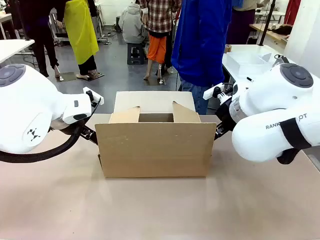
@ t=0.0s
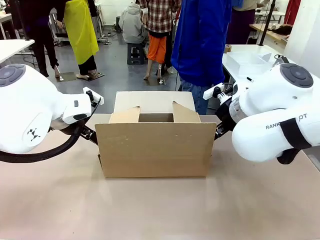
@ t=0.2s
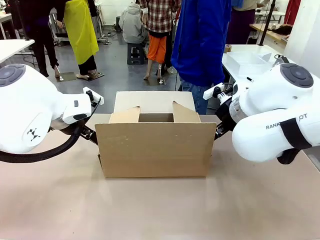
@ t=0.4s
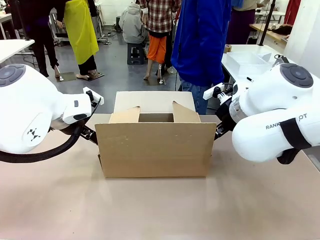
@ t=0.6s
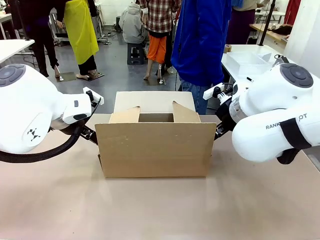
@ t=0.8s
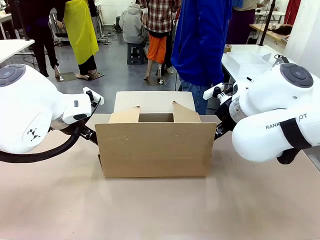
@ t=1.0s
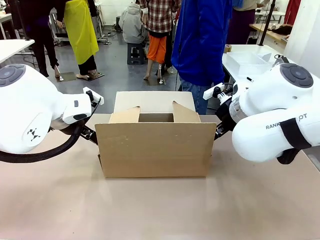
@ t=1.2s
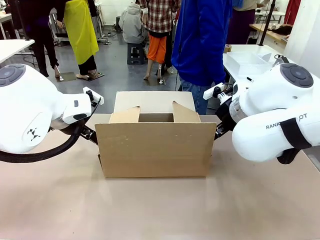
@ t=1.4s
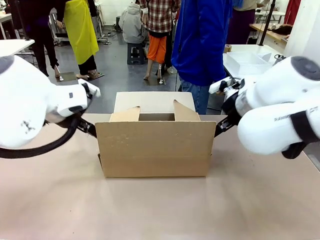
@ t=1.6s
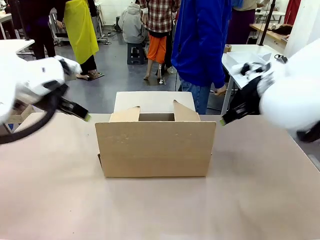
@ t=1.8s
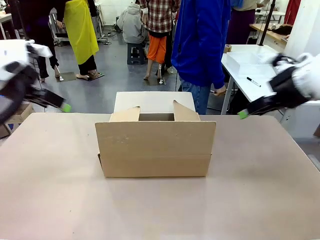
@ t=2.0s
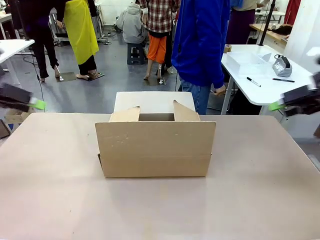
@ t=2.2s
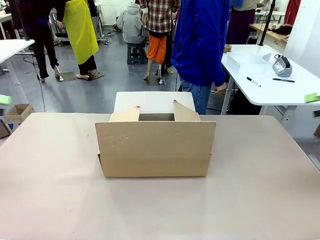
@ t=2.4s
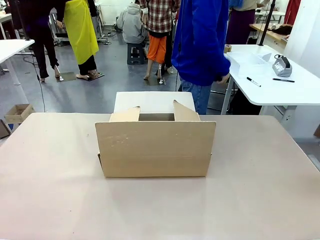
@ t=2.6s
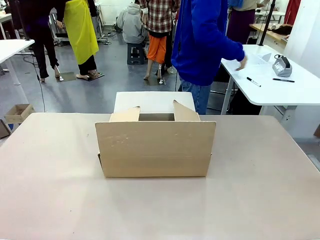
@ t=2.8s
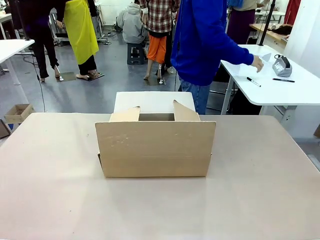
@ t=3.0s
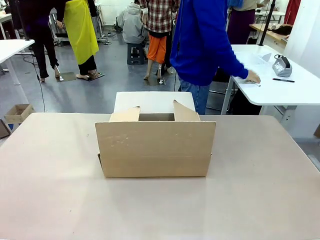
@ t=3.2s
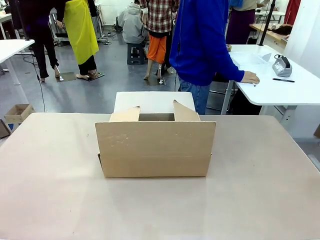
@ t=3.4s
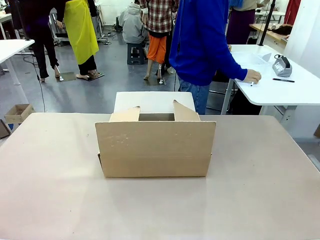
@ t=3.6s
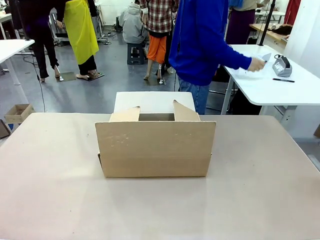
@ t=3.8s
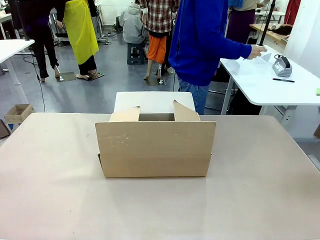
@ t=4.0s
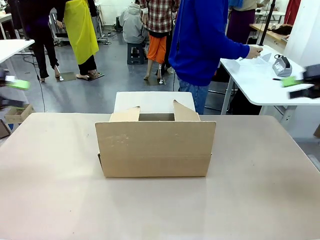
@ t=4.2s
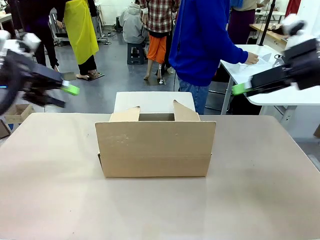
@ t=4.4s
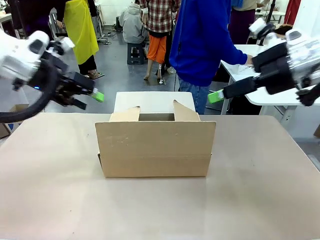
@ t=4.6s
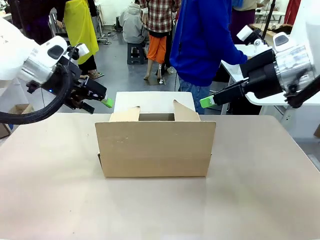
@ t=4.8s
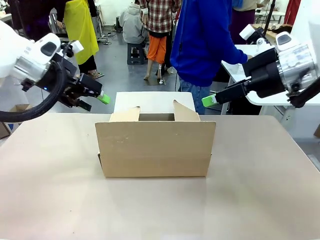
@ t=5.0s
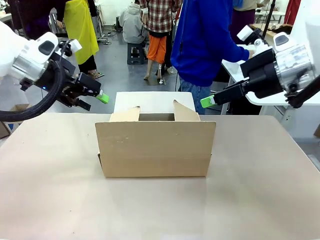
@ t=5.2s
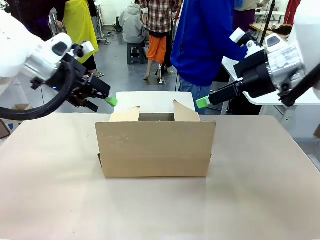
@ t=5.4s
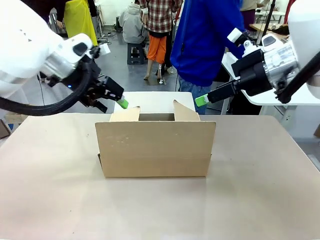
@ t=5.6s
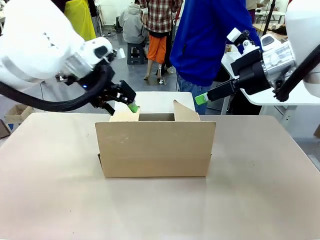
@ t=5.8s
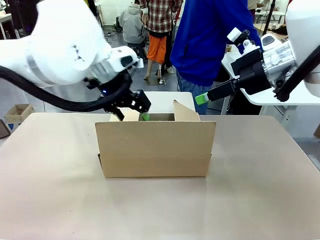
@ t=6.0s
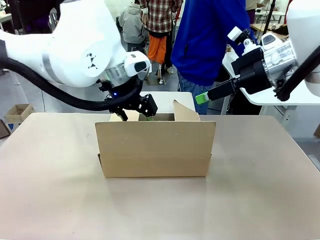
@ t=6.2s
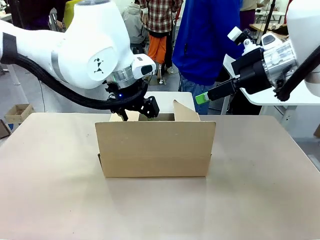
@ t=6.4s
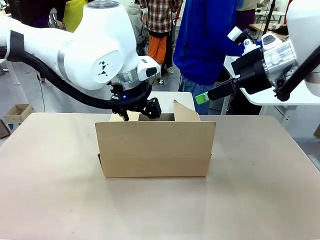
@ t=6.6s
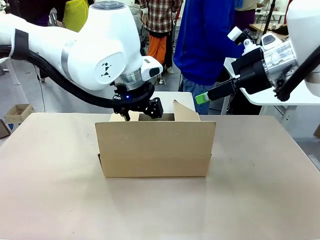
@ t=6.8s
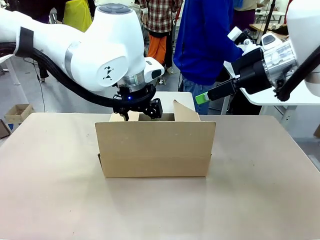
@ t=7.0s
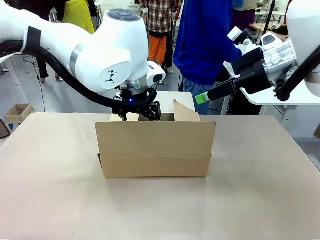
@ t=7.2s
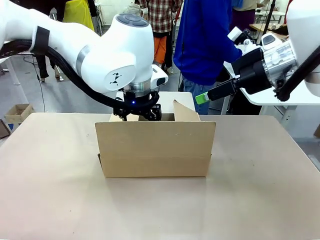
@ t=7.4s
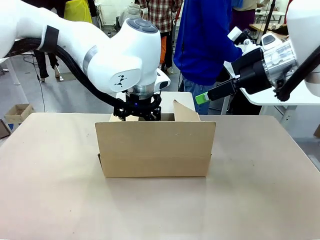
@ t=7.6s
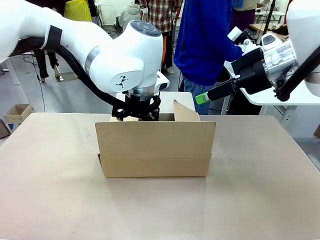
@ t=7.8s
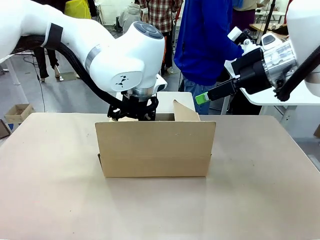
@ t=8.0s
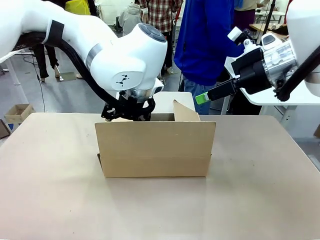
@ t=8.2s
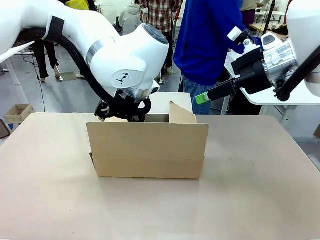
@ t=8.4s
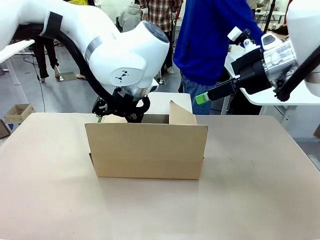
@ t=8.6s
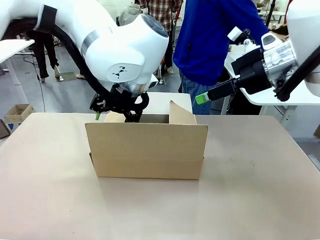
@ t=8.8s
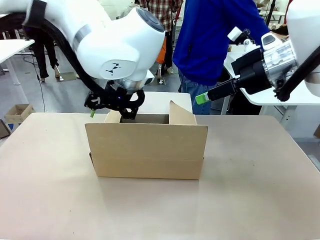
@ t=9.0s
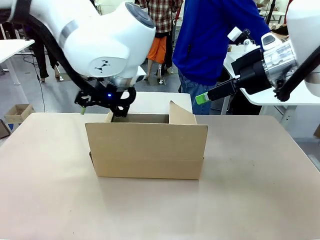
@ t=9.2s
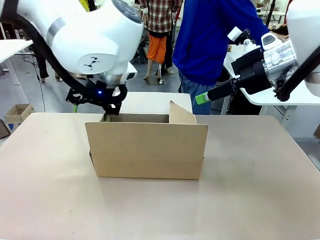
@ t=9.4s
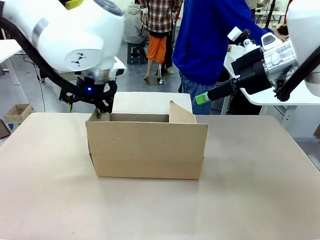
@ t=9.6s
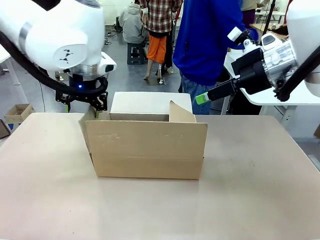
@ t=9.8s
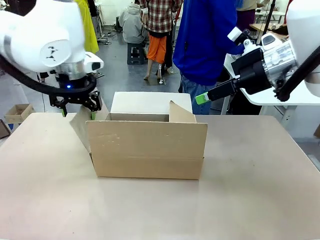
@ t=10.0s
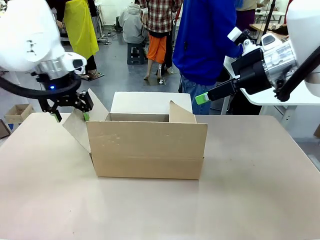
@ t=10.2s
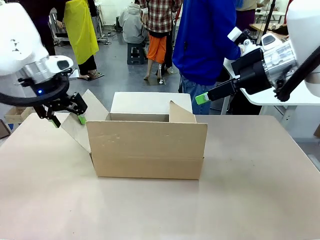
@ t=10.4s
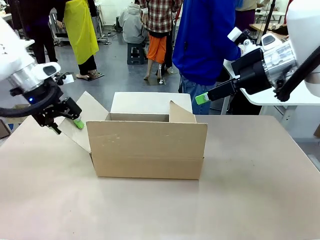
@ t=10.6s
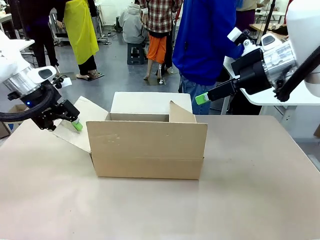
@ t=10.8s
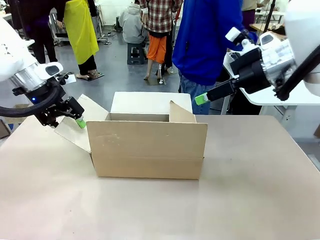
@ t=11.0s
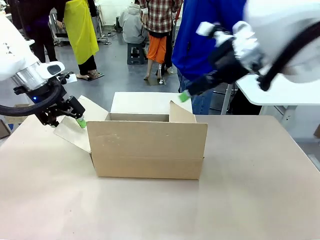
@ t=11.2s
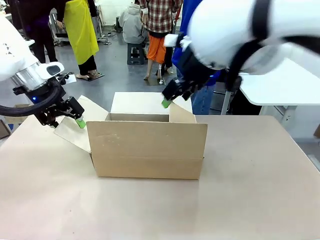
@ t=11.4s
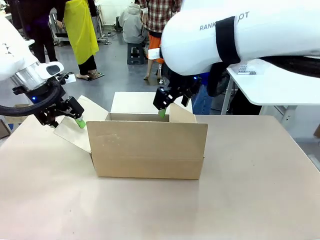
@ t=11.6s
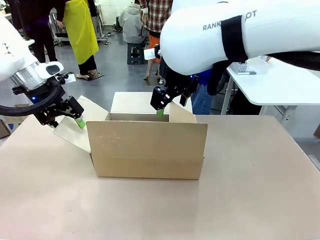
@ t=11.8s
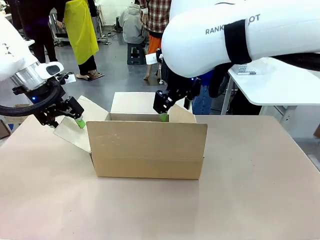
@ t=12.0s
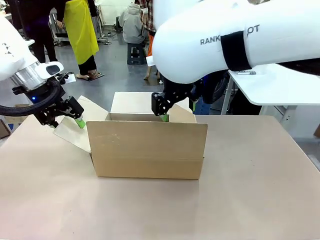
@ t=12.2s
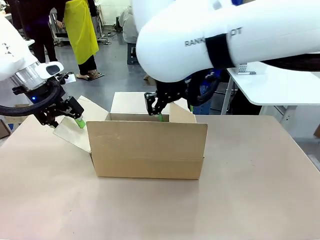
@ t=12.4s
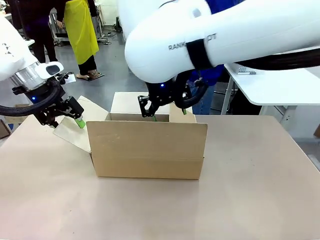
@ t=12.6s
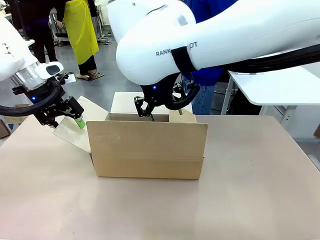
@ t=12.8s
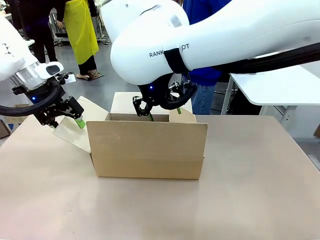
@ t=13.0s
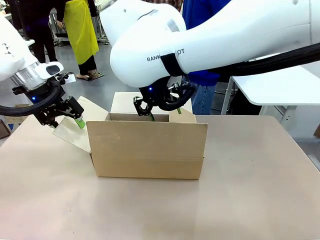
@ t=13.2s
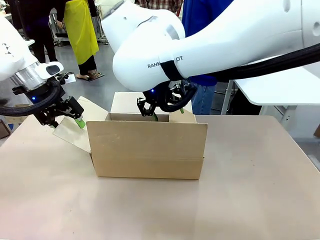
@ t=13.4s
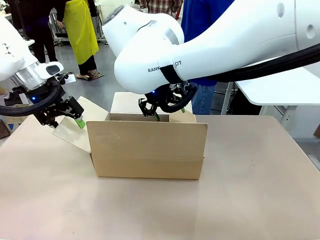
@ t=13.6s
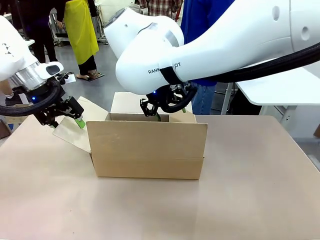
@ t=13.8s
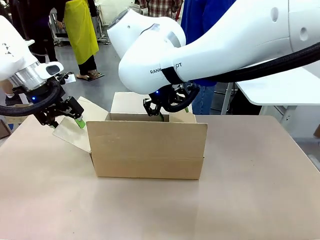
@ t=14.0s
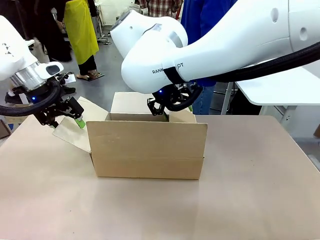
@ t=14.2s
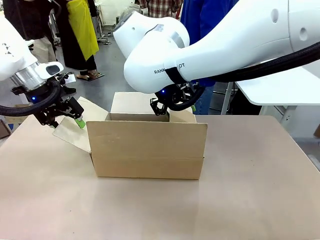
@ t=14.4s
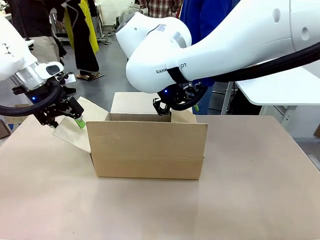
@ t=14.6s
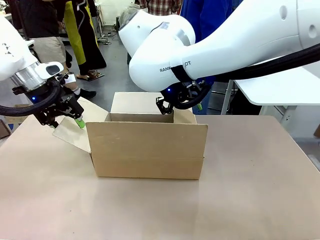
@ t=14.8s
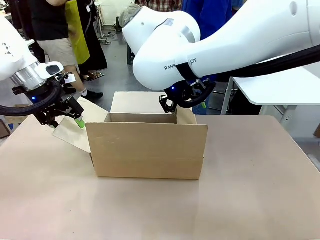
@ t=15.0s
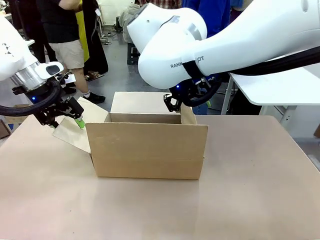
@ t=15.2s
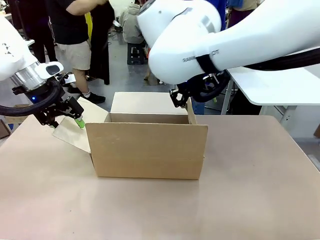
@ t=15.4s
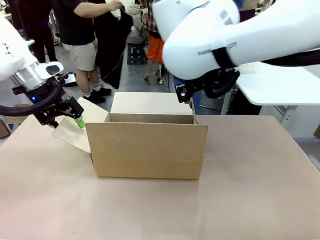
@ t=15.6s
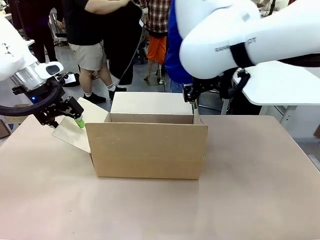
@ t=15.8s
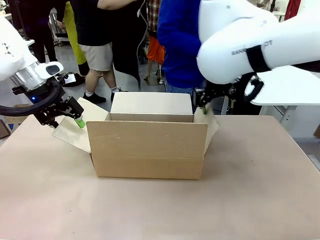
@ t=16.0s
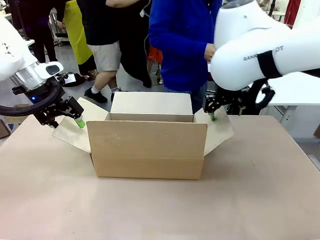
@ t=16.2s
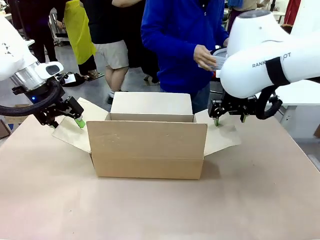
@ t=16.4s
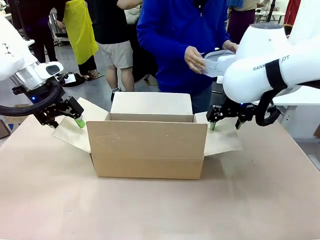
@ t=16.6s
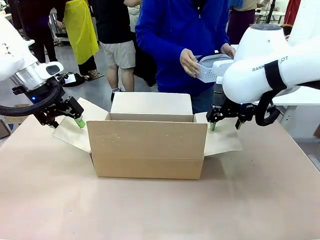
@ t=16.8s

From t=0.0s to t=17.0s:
Task: Pack the gift set into the box.
Robot: Place both hands on the side flaps of the Package Box and spread them outward.
Person: The human places all items except the paper tape into the organizing basket.

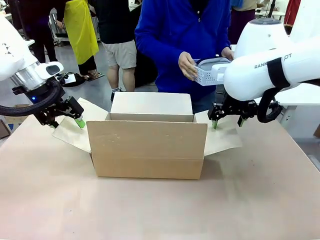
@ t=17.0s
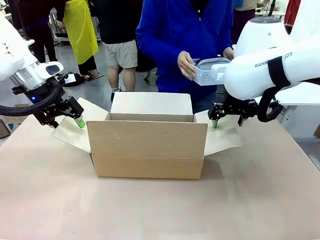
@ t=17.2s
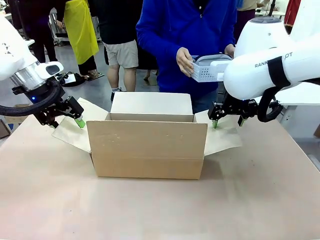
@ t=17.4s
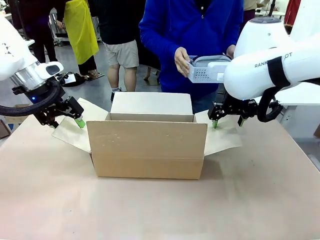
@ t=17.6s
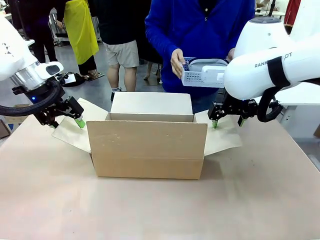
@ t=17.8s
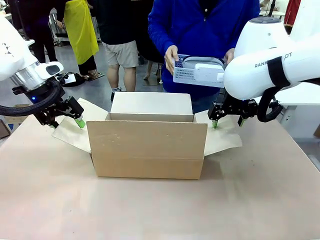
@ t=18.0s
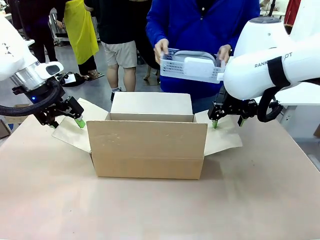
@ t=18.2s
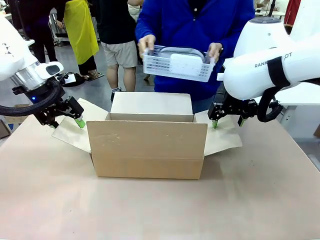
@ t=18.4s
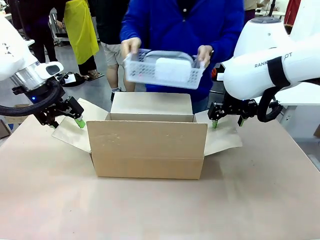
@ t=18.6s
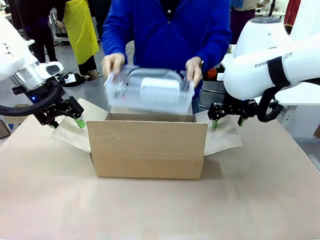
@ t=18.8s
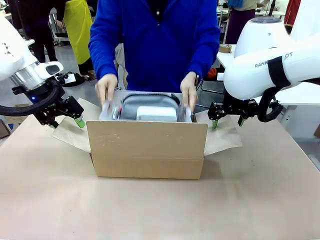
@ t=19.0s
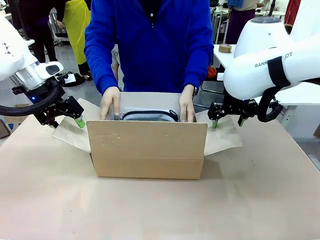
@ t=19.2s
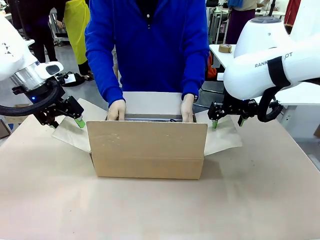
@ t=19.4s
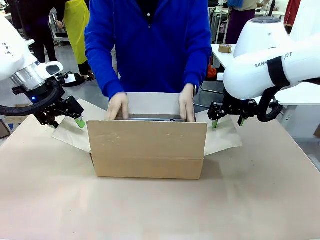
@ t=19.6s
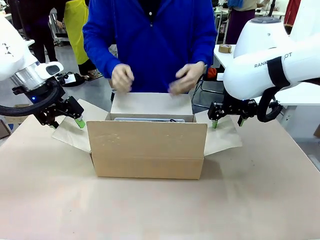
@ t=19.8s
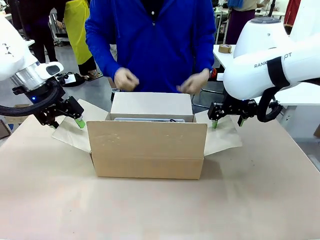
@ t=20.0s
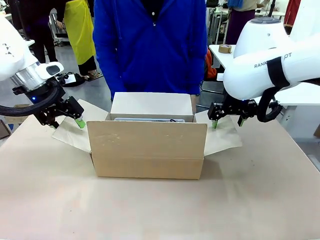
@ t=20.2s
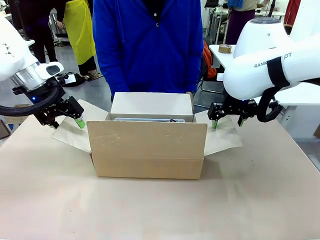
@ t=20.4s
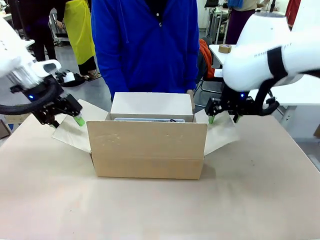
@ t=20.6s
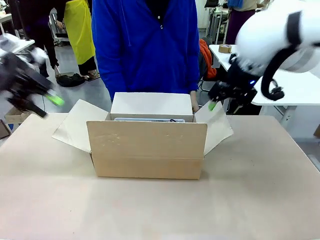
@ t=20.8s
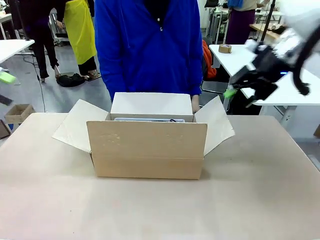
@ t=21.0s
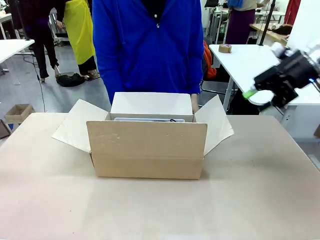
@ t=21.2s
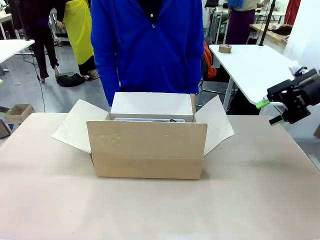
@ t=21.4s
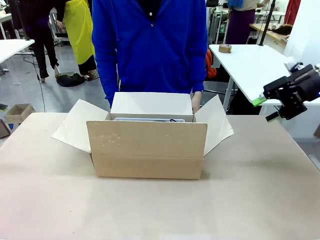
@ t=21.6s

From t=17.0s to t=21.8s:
Robot: Lift both hands away from the flaps of the Package Box.
Person: The human picks up the organizing basket and places the organizing basket into the package box on the robot table.
